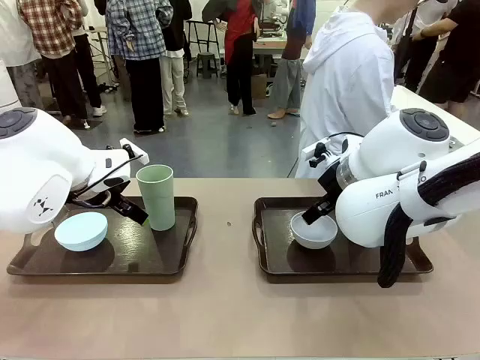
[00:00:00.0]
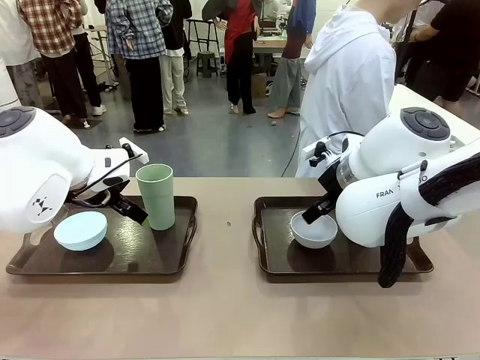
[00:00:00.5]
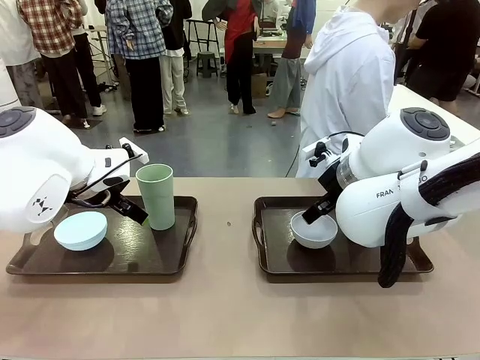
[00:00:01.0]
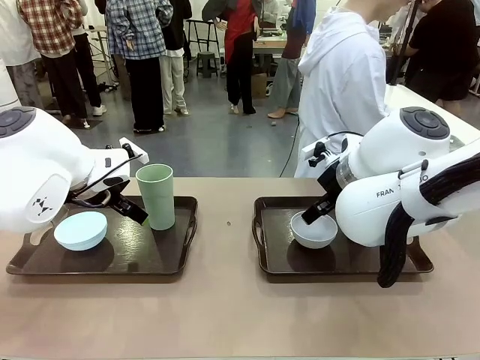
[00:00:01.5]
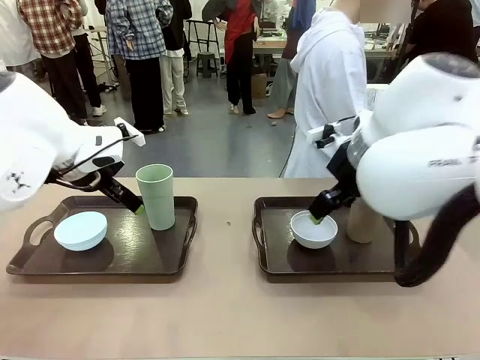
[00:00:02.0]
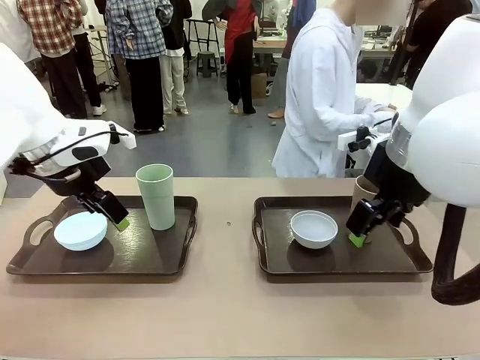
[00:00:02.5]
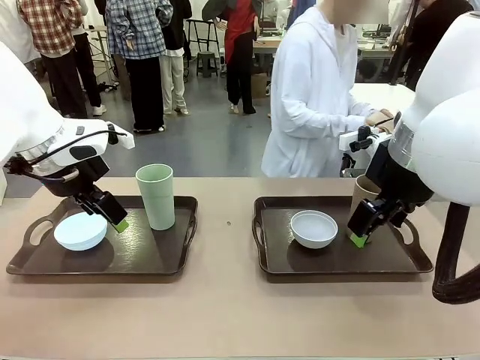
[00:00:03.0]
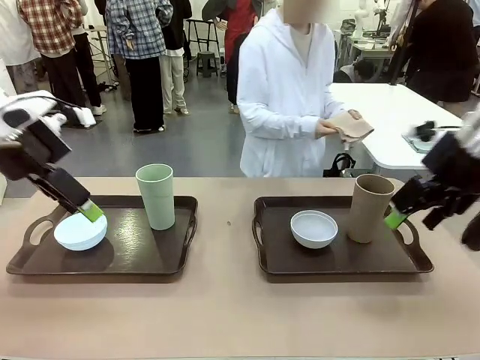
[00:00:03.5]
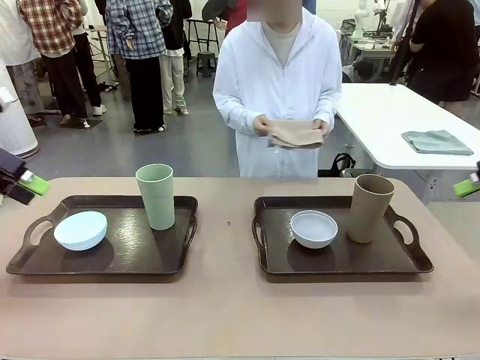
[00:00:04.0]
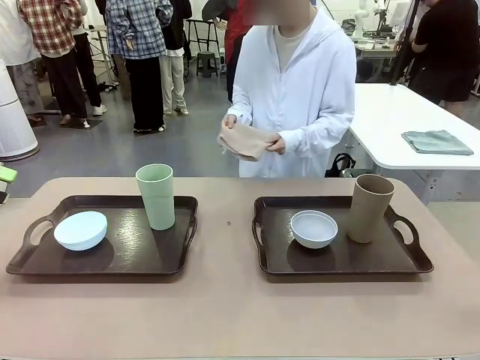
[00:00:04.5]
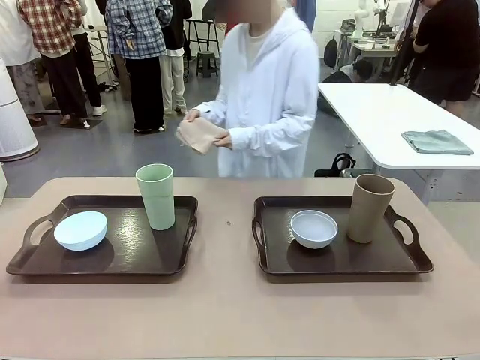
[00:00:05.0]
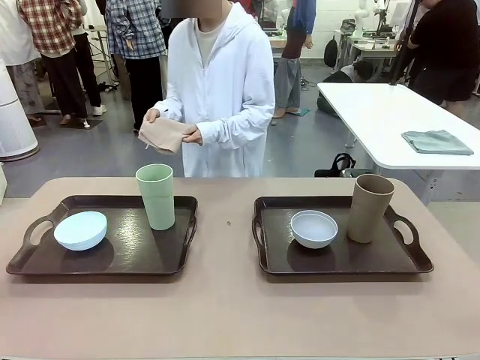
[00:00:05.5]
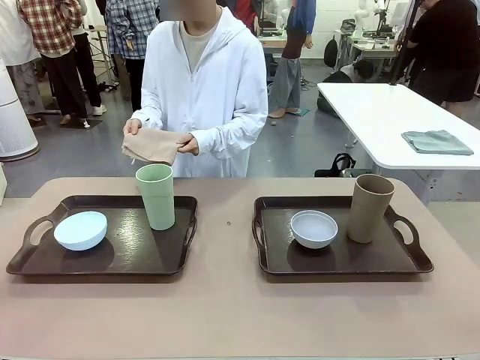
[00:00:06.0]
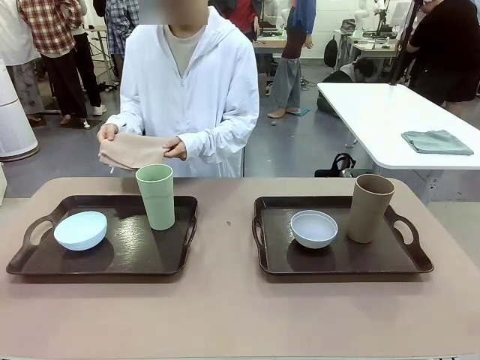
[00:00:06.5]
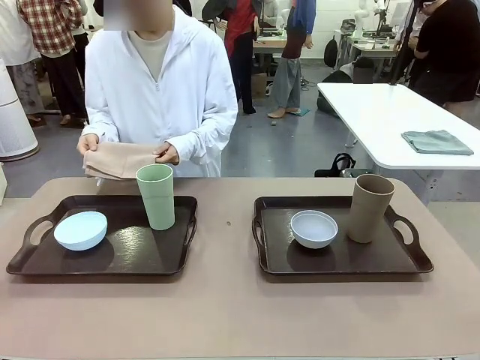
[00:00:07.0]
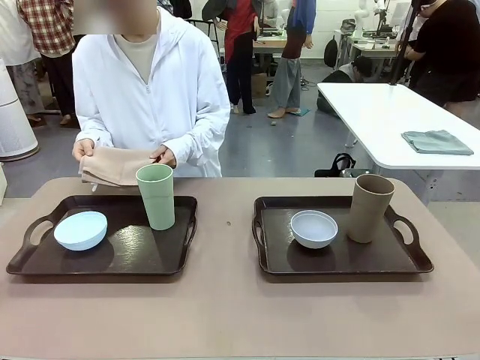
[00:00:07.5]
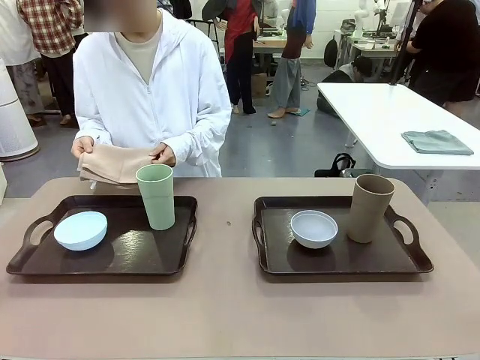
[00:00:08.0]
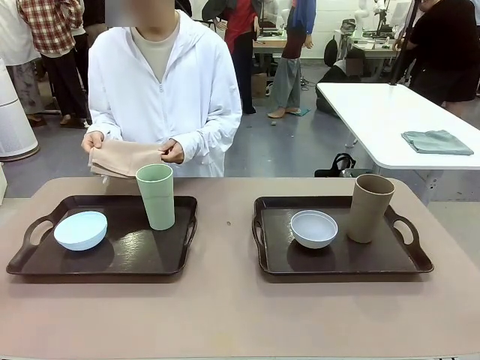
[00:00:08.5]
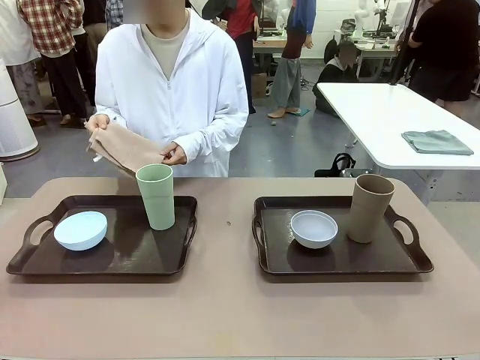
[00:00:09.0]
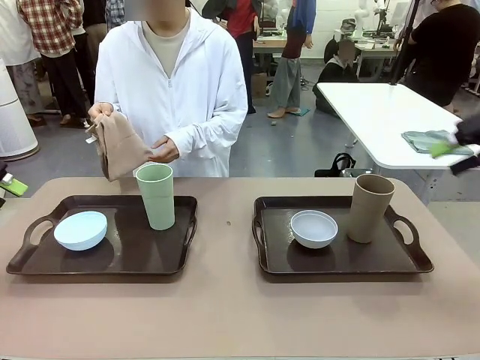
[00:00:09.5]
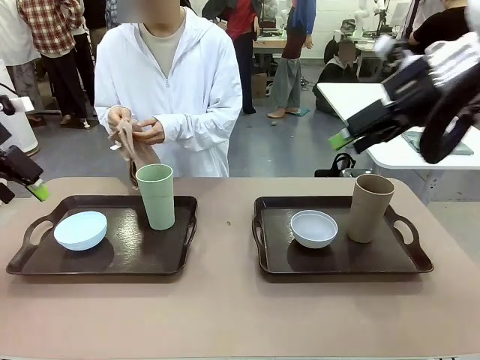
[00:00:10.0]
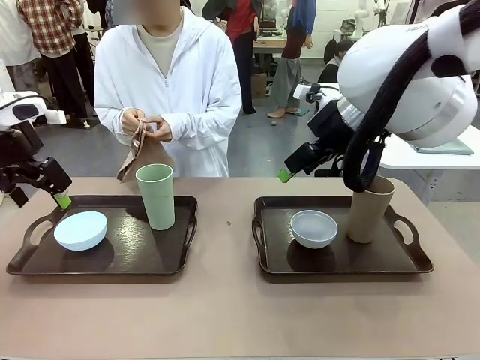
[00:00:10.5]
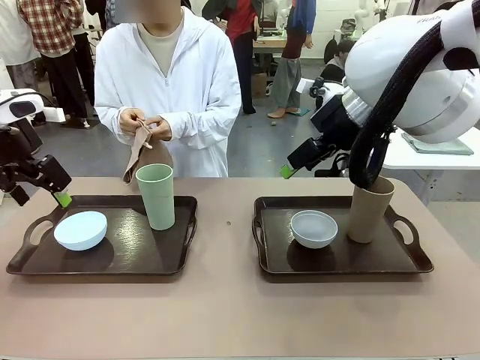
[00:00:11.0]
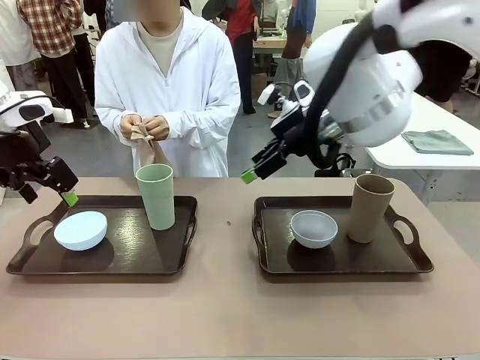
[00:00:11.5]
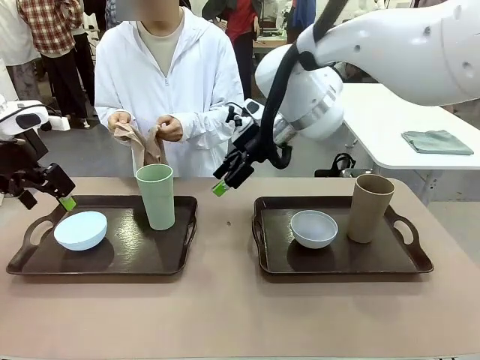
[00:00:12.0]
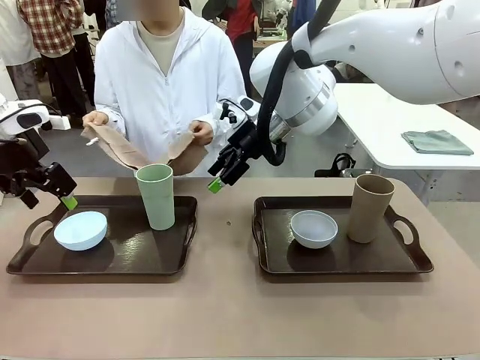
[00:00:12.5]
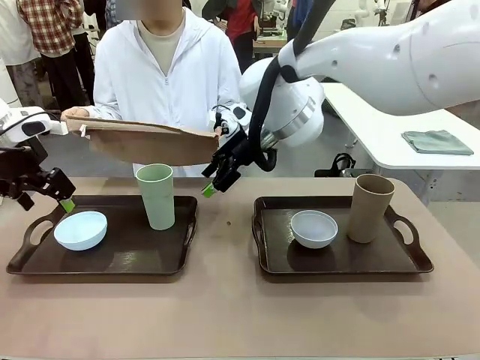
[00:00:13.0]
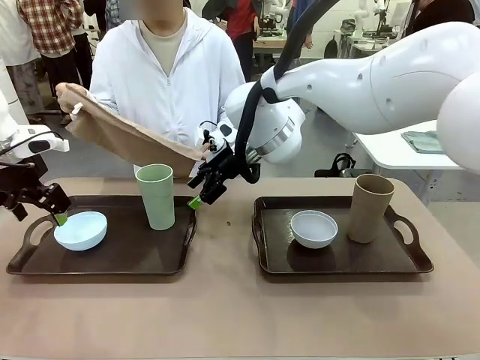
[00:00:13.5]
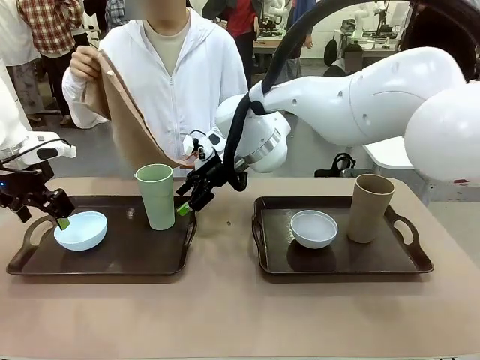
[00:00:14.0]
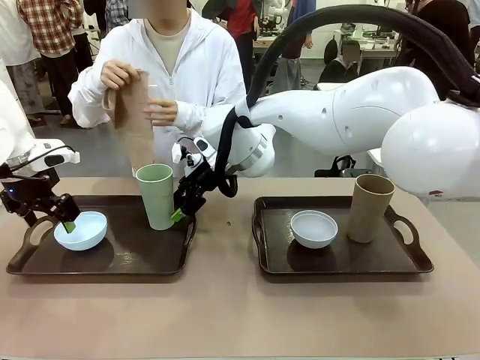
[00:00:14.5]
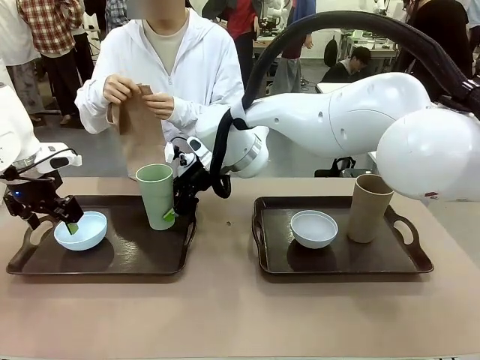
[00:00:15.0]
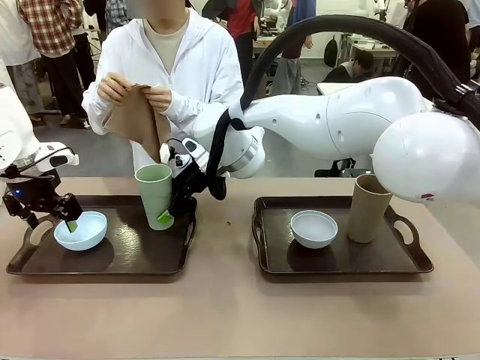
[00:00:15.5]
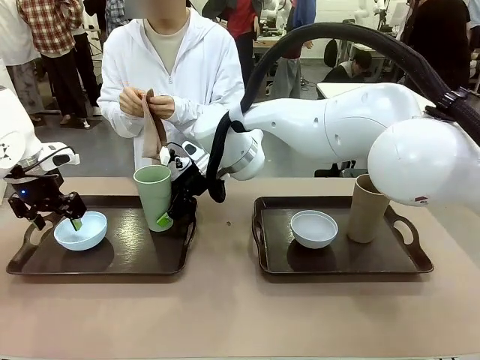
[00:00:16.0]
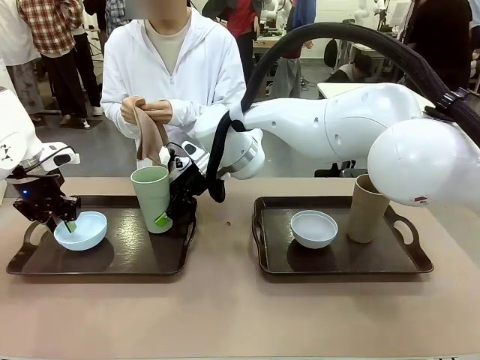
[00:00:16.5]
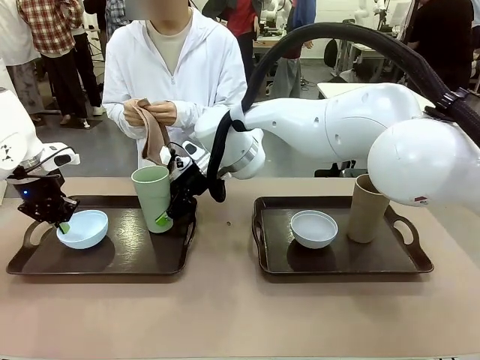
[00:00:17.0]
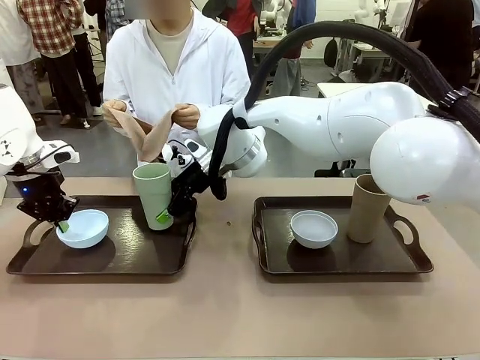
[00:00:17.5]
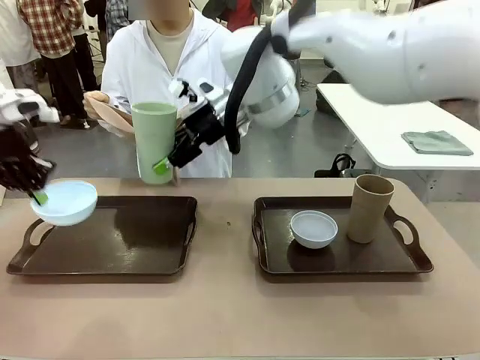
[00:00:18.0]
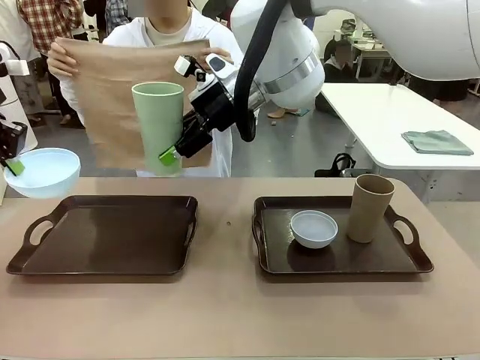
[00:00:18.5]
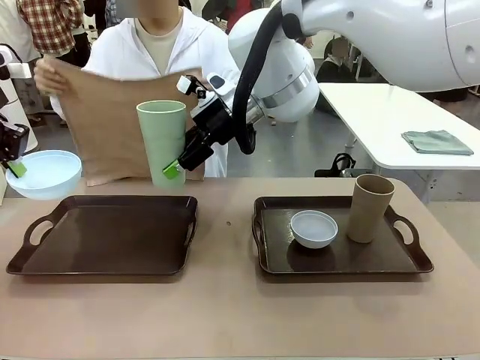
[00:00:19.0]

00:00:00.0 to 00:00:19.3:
Robot: Pick up the Picnic Bowl and Reusable plastic cup from the Handle tray in front of the human's position and hold them in the air.
Person: The human picks up the top napkin from the stack on the human table and walks to the robot table to stand in front of one of the two trays. When the robot lifts the bowl and the cup, the human unfolds the napkin and lays the napkin flat on the tray.

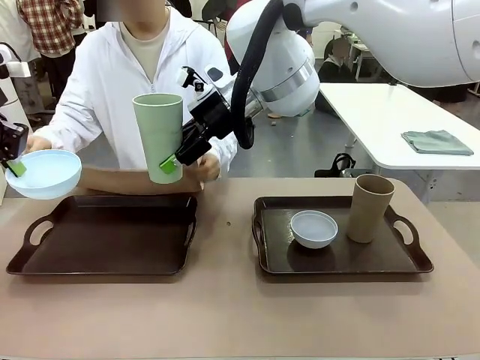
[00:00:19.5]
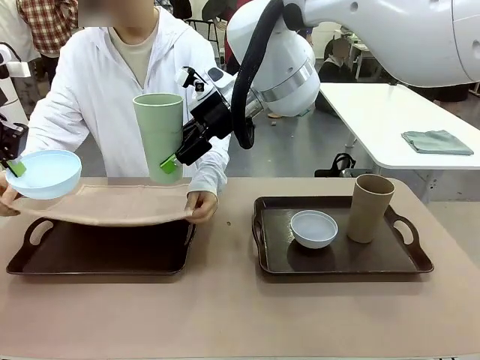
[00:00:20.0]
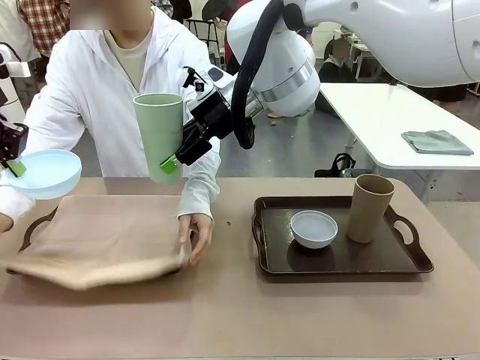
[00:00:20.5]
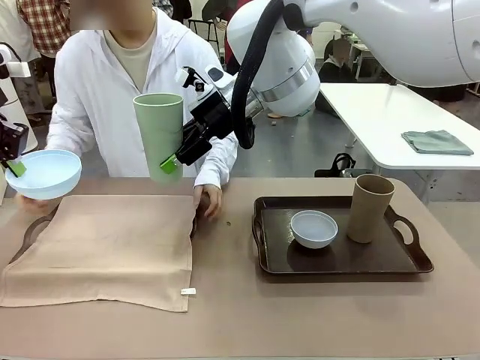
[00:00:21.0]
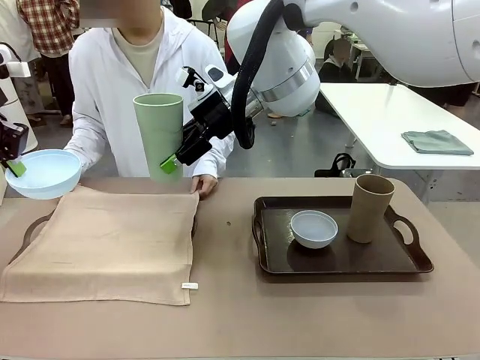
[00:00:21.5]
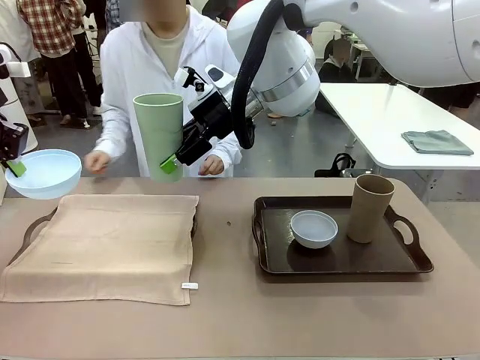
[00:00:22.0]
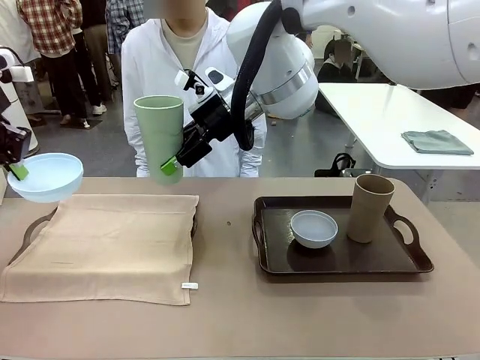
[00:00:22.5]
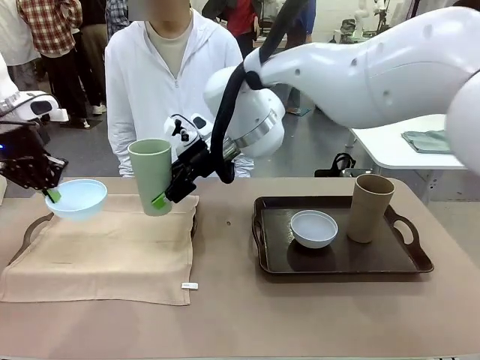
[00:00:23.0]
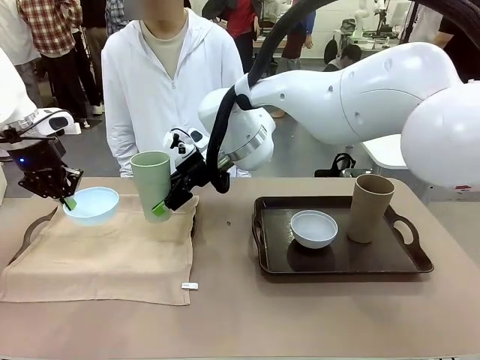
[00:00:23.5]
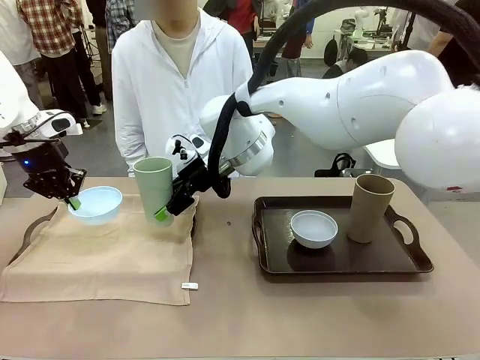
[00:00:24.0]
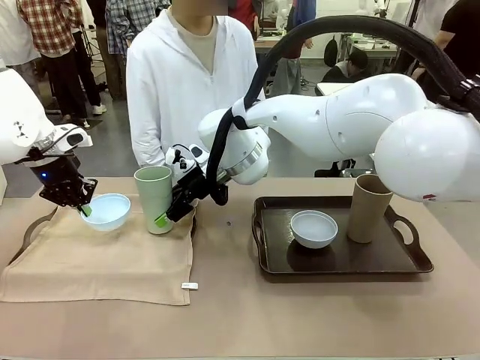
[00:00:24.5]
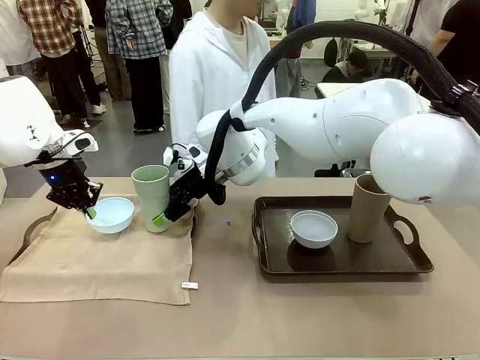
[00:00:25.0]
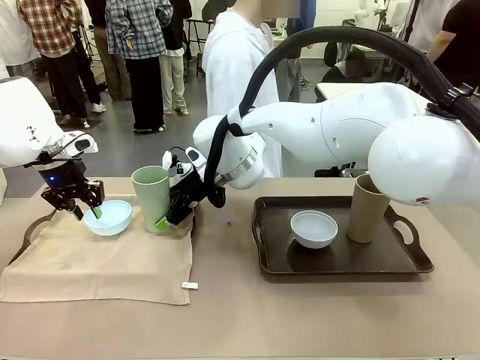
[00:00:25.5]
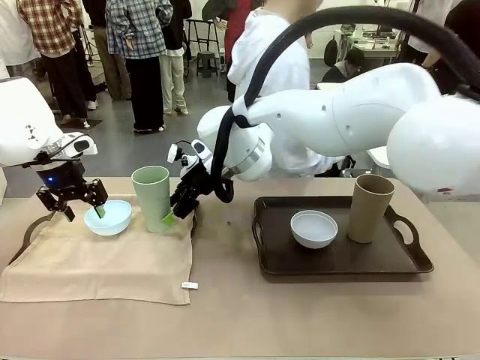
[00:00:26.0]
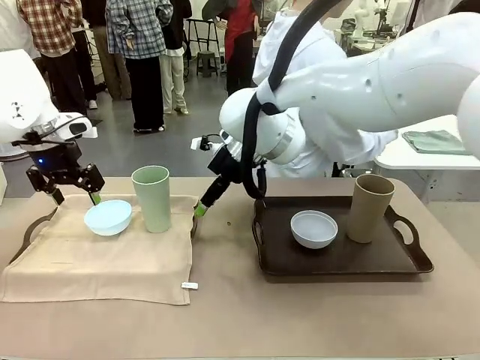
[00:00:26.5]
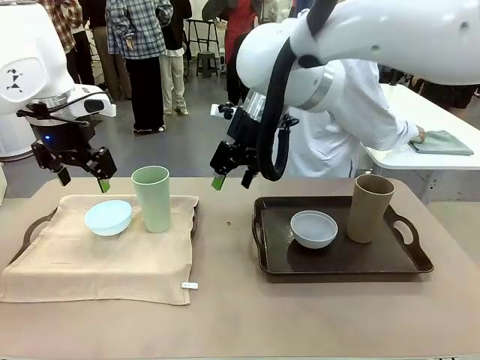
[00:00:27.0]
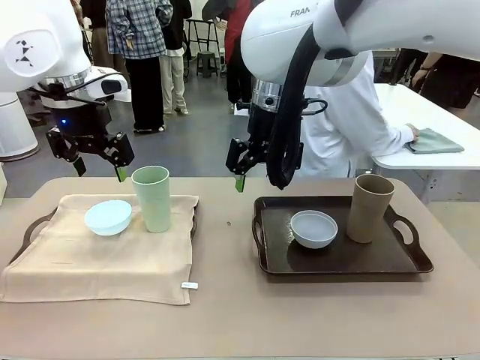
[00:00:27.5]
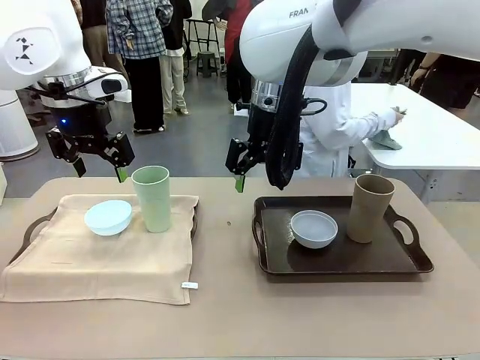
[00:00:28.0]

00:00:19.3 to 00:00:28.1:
Robot: Place the Picnic Bowl and Reusable plastic cup back onto the Handle tray in front of the human's position.
Person: The human returns to the human table to pick up another napkin and walks to the robot table to stand in front of the tray without a napkin.
